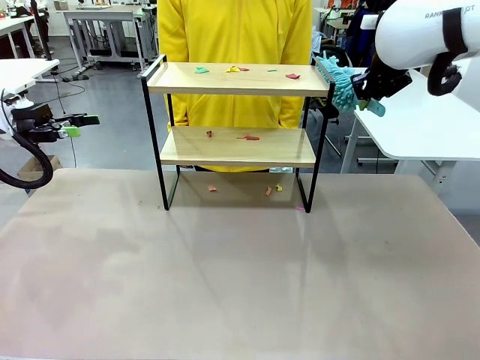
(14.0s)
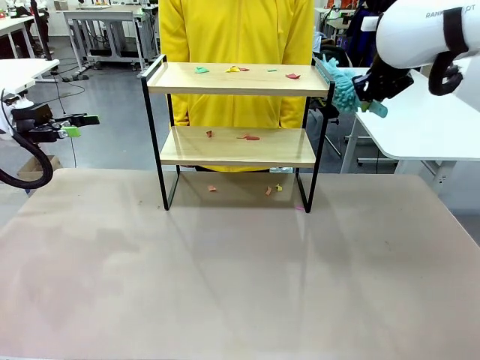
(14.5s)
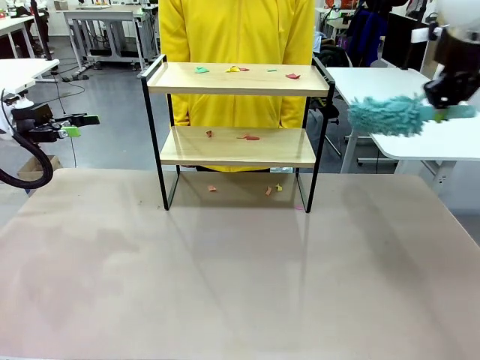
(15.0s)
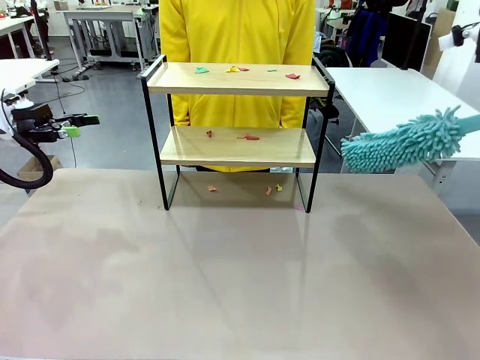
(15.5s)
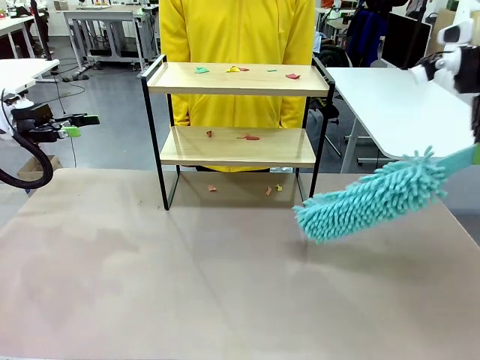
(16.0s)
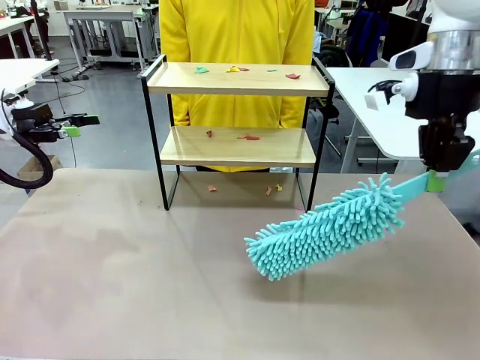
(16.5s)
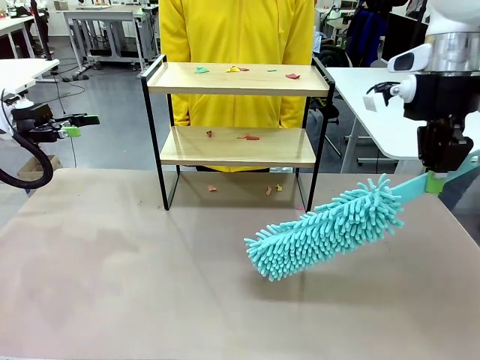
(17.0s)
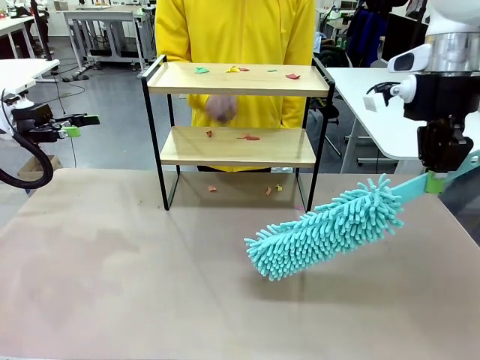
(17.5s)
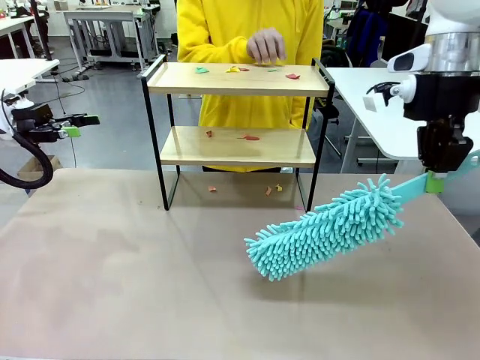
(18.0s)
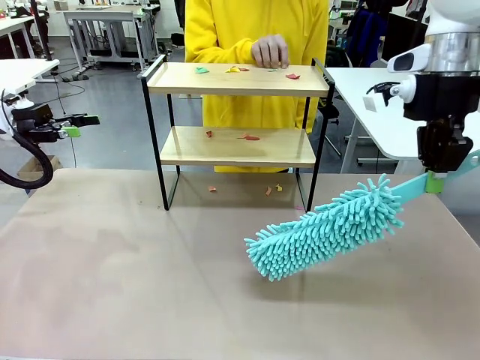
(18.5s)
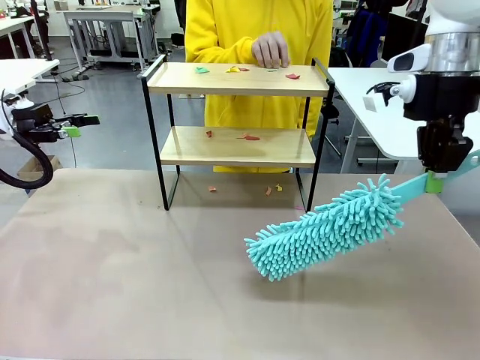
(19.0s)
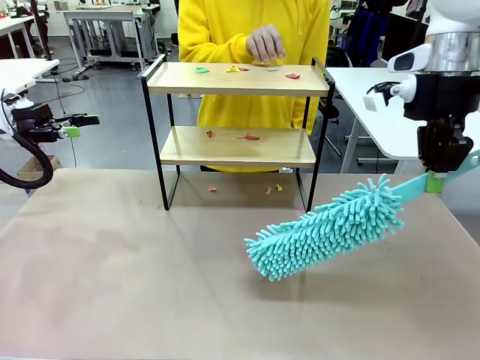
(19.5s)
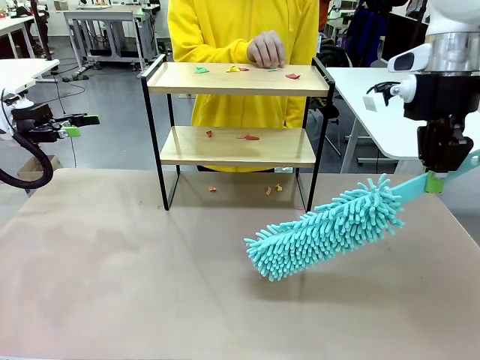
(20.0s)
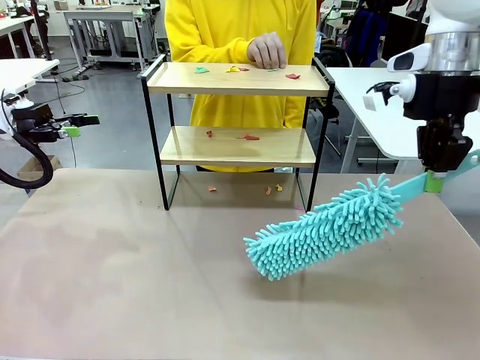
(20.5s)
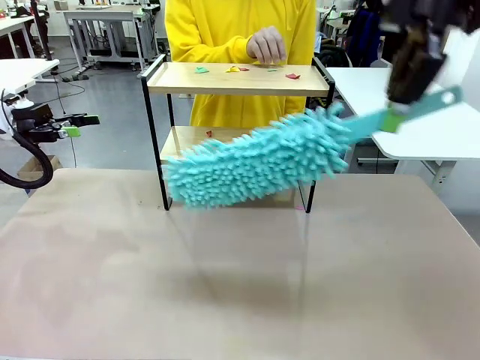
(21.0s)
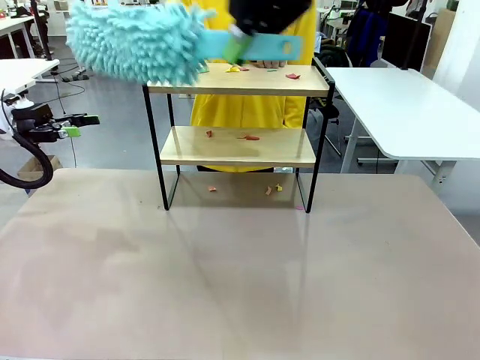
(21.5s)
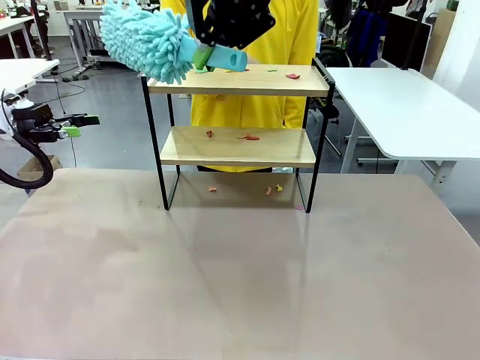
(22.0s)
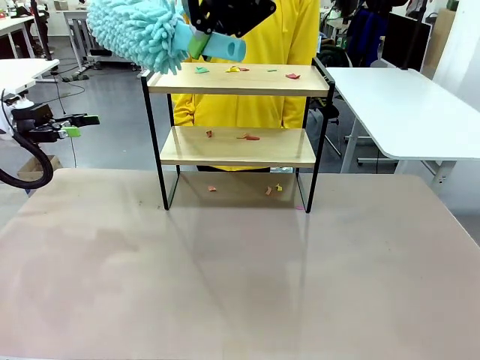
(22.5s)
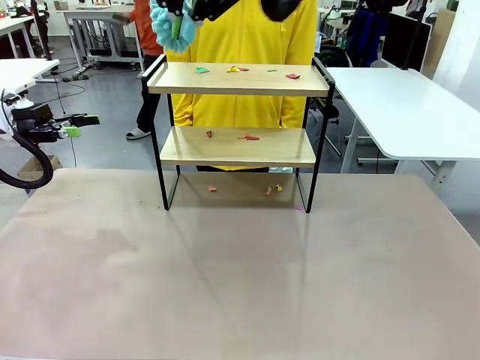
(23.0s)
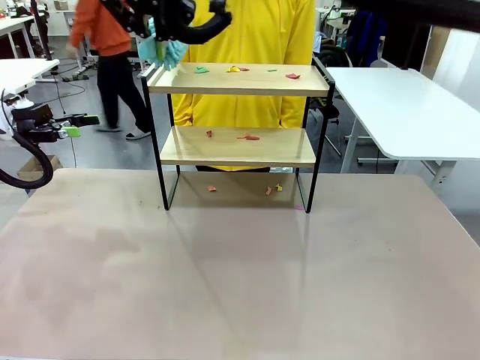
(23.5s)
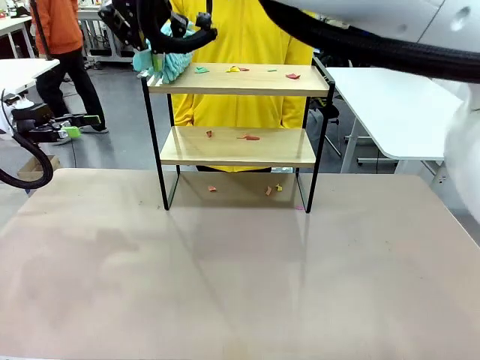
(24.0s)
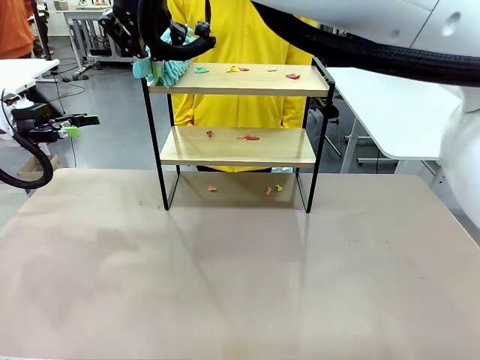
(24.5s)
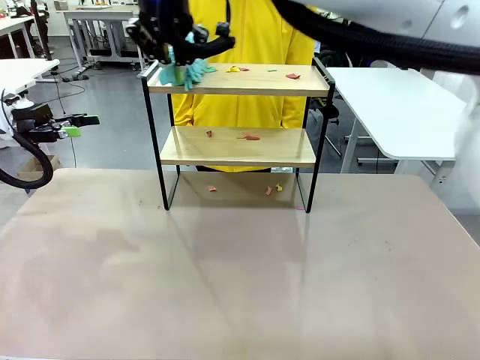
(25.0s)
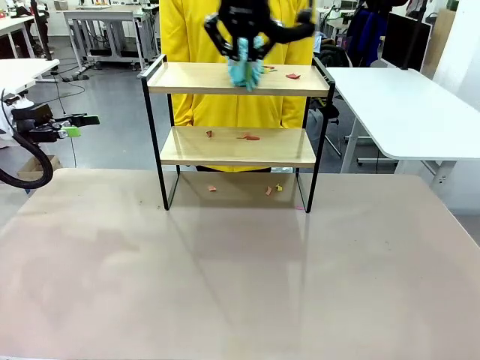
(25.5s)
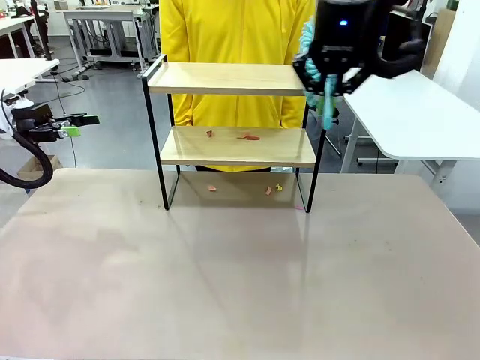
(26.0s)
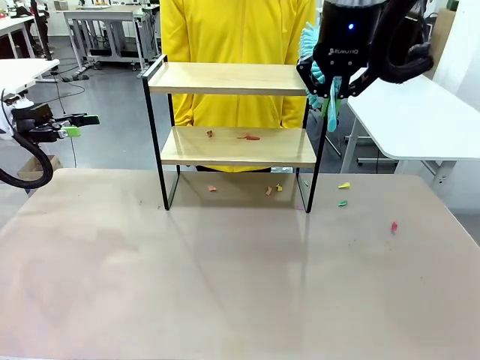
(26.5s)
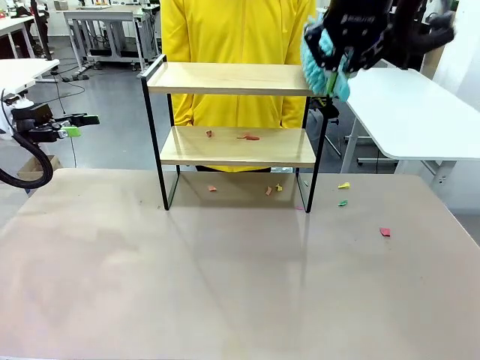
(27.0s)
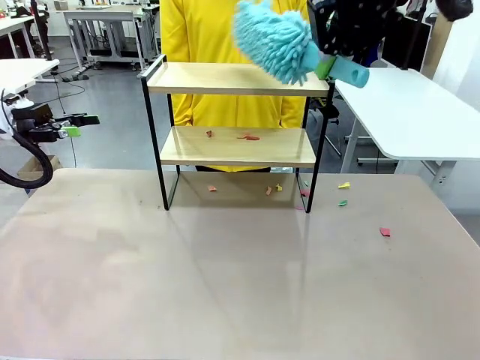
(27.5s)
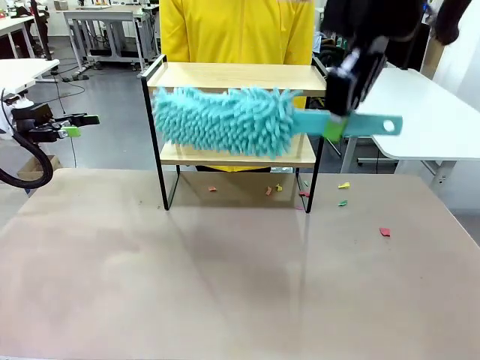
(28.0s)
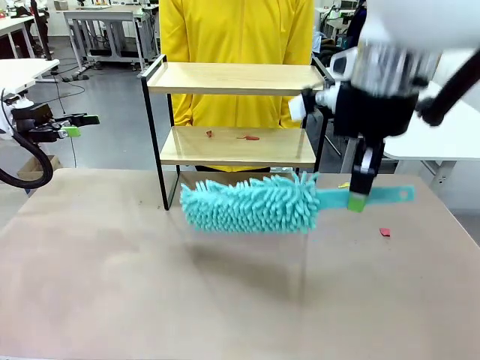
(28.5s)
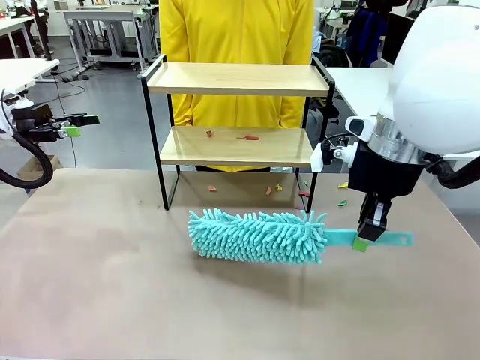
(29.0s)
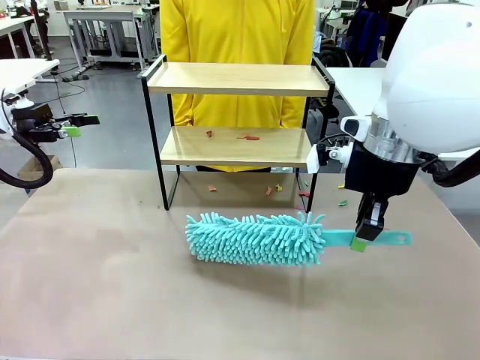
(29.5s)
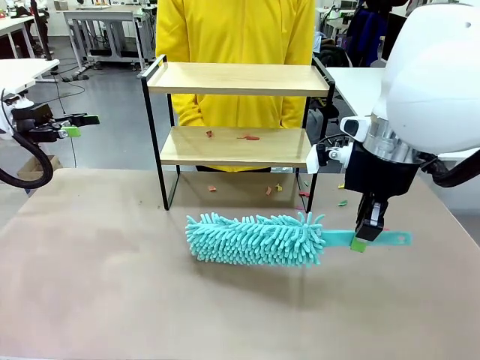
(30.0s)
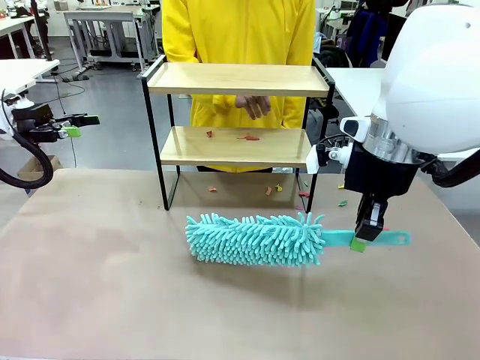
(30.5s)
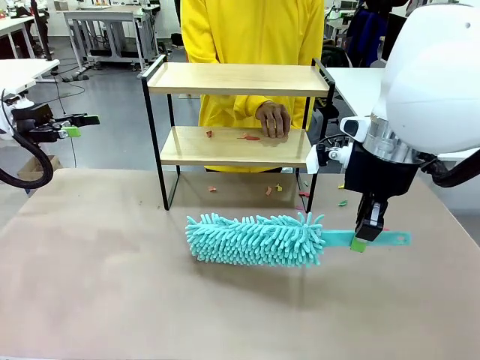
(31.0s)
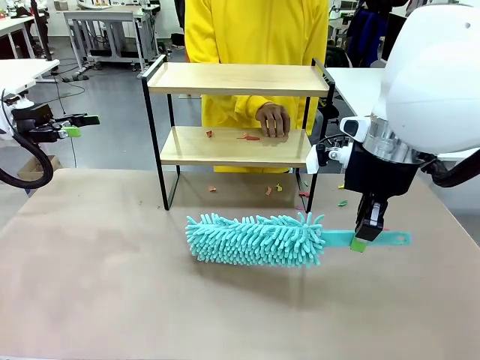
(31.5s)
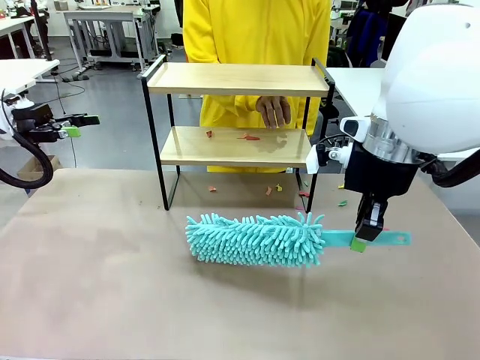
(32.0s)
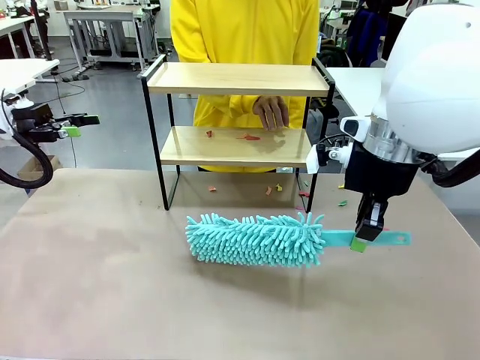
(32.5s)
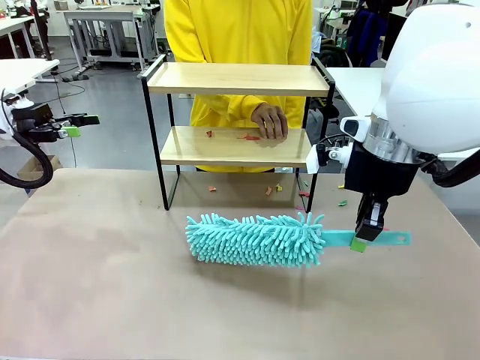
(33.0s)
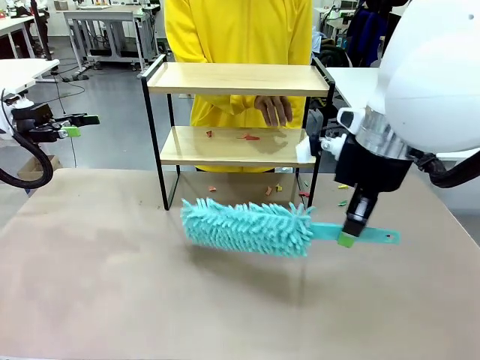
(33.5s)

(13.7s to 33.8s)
Task: Clean the shelf.
Robot: Clean the specific section of the Shelf indicated by the human with the Duster.
Person: Point a random section of the Shelf.
